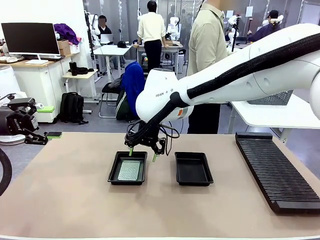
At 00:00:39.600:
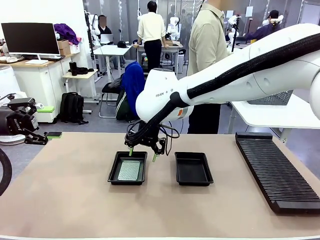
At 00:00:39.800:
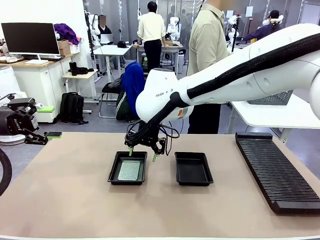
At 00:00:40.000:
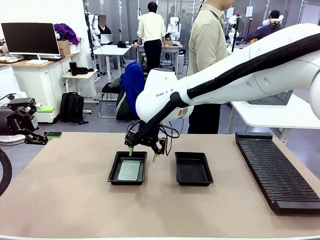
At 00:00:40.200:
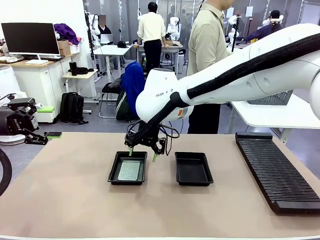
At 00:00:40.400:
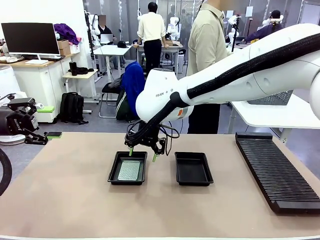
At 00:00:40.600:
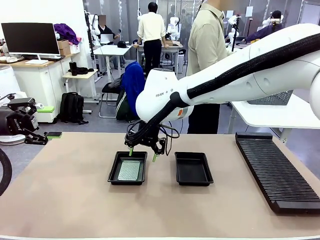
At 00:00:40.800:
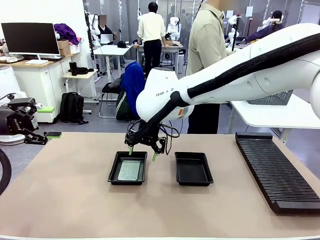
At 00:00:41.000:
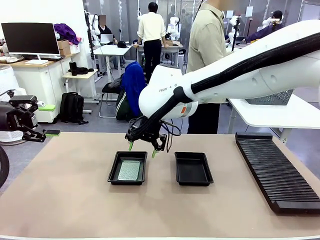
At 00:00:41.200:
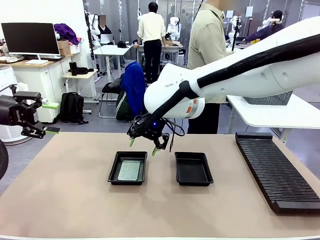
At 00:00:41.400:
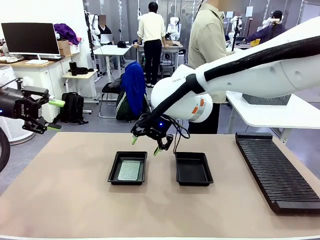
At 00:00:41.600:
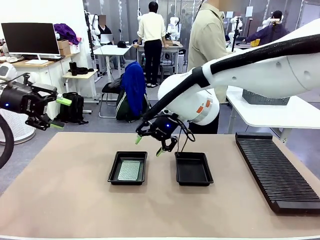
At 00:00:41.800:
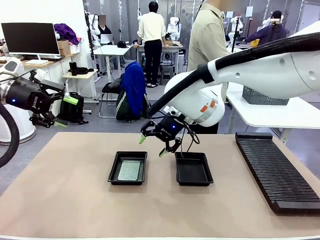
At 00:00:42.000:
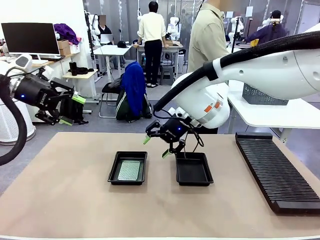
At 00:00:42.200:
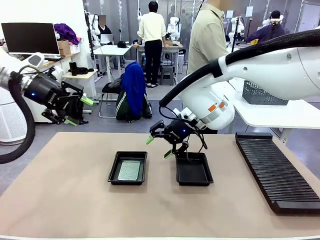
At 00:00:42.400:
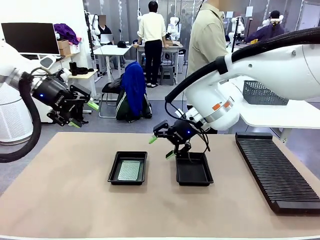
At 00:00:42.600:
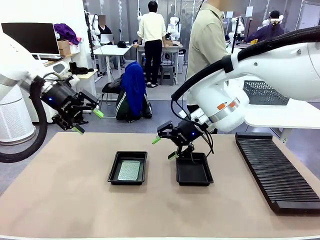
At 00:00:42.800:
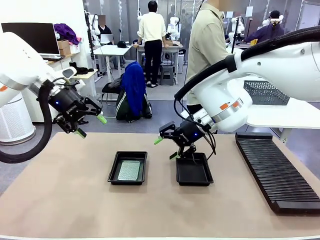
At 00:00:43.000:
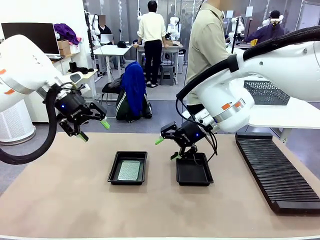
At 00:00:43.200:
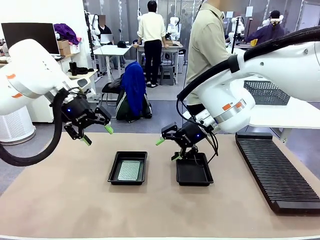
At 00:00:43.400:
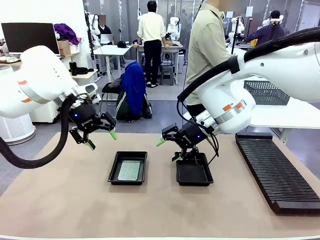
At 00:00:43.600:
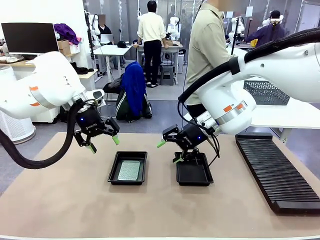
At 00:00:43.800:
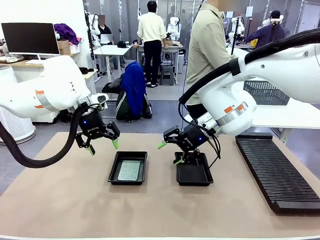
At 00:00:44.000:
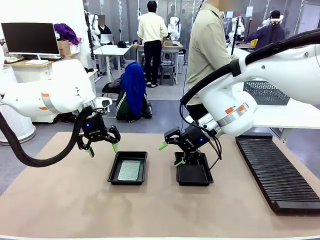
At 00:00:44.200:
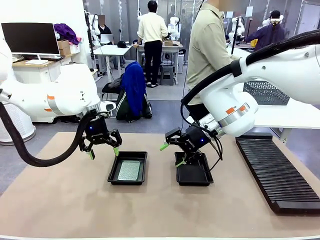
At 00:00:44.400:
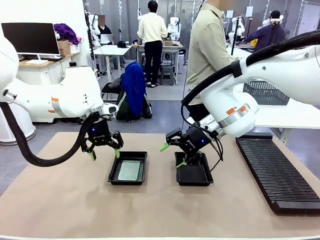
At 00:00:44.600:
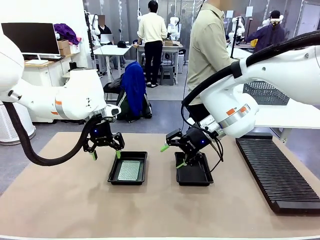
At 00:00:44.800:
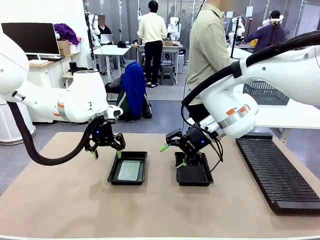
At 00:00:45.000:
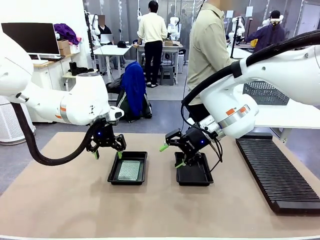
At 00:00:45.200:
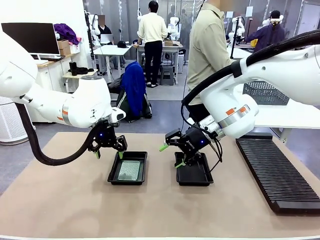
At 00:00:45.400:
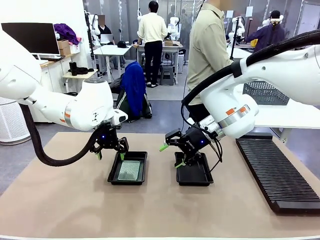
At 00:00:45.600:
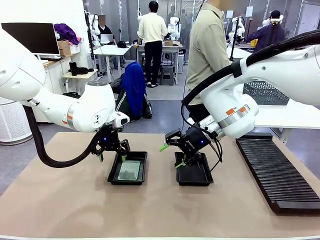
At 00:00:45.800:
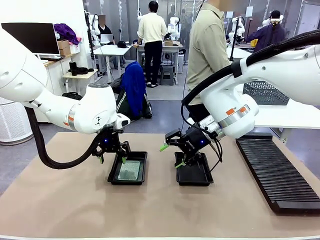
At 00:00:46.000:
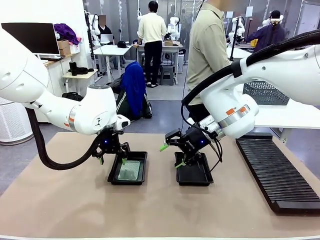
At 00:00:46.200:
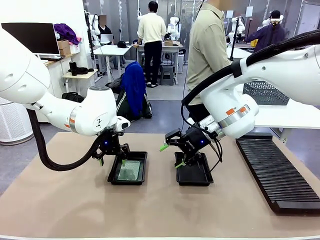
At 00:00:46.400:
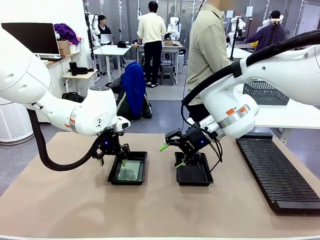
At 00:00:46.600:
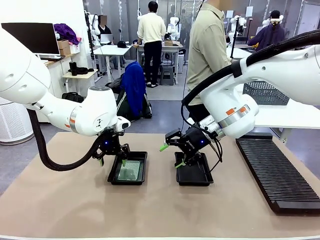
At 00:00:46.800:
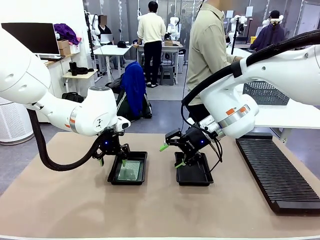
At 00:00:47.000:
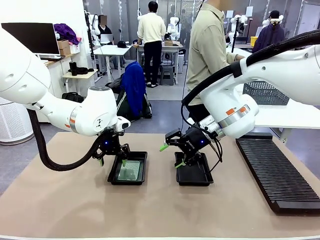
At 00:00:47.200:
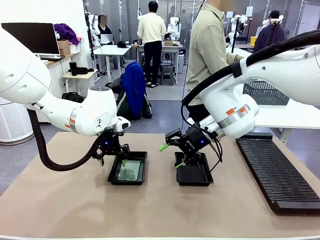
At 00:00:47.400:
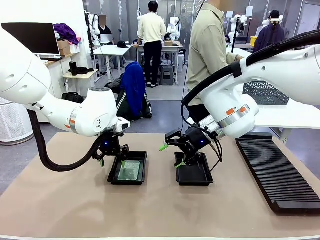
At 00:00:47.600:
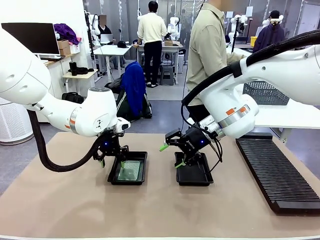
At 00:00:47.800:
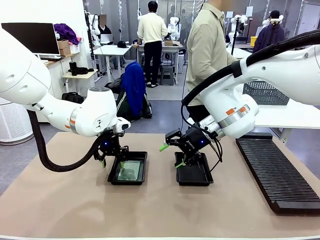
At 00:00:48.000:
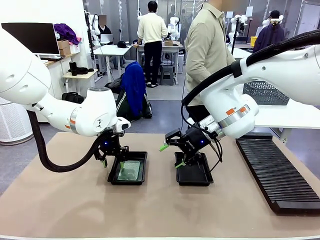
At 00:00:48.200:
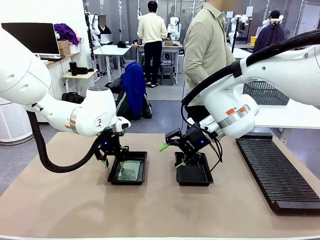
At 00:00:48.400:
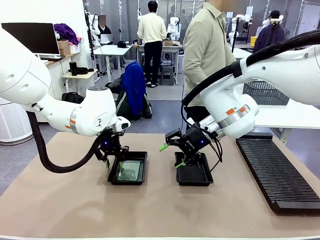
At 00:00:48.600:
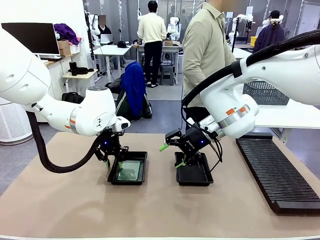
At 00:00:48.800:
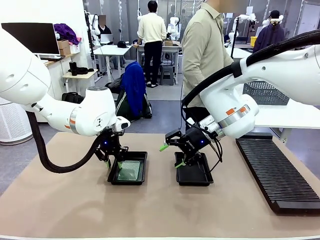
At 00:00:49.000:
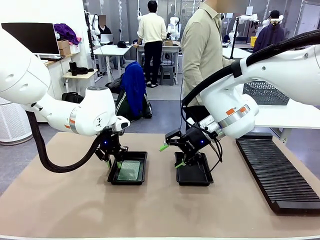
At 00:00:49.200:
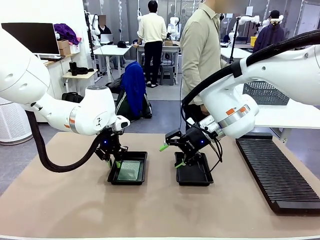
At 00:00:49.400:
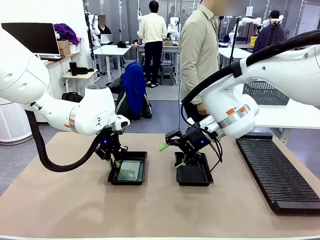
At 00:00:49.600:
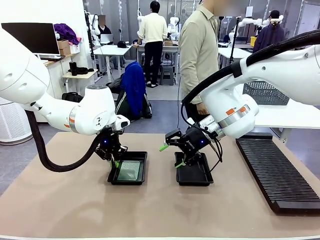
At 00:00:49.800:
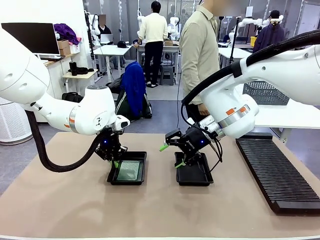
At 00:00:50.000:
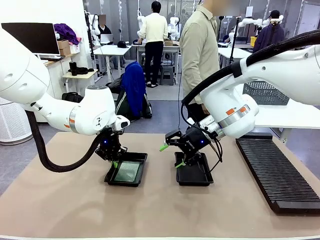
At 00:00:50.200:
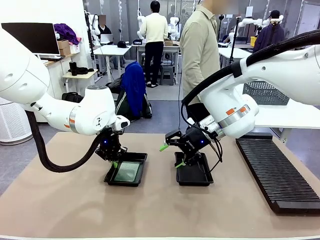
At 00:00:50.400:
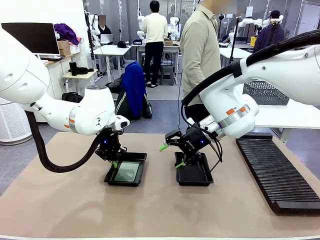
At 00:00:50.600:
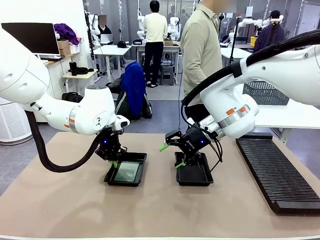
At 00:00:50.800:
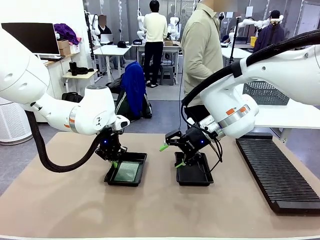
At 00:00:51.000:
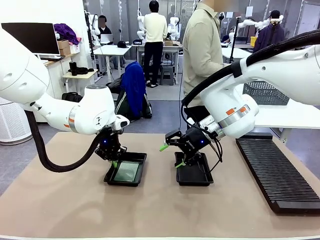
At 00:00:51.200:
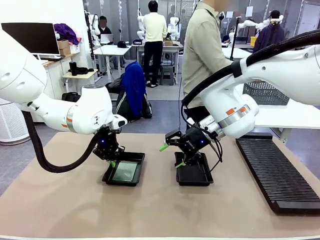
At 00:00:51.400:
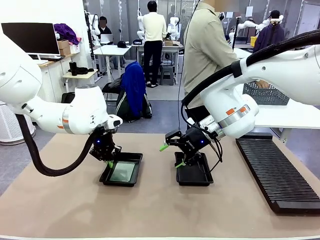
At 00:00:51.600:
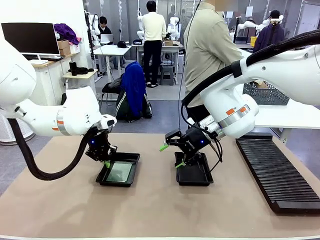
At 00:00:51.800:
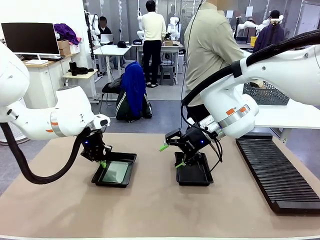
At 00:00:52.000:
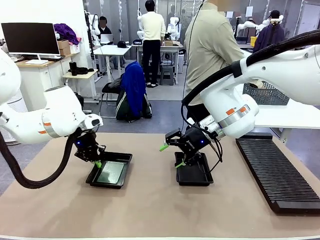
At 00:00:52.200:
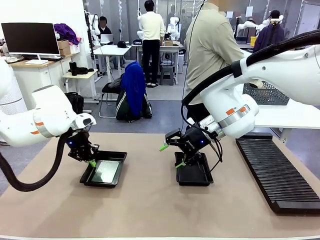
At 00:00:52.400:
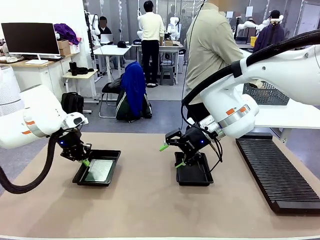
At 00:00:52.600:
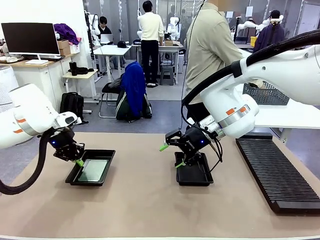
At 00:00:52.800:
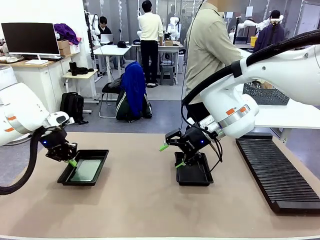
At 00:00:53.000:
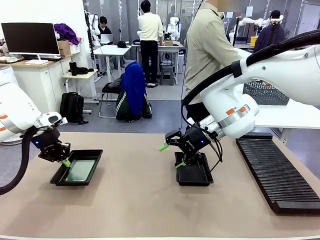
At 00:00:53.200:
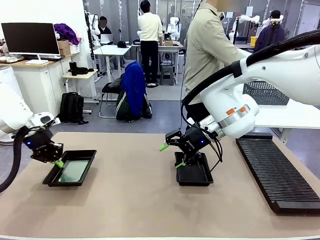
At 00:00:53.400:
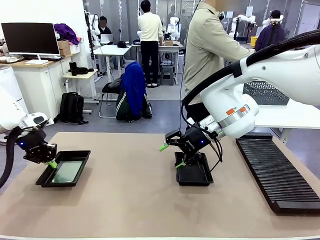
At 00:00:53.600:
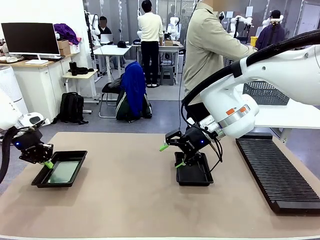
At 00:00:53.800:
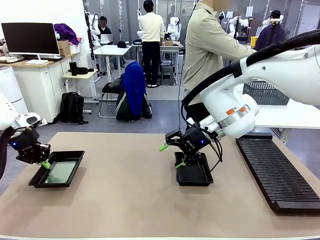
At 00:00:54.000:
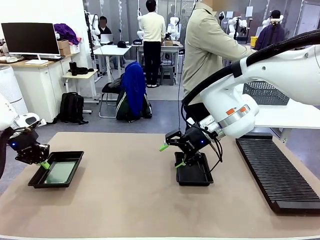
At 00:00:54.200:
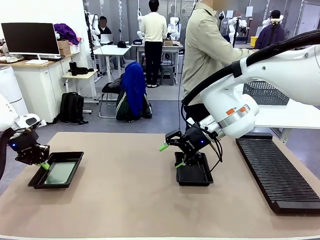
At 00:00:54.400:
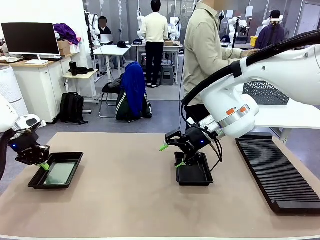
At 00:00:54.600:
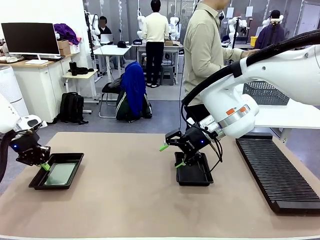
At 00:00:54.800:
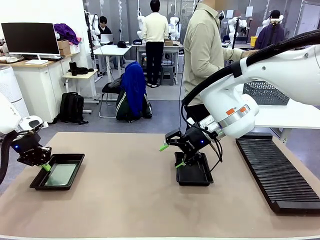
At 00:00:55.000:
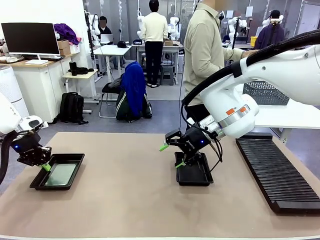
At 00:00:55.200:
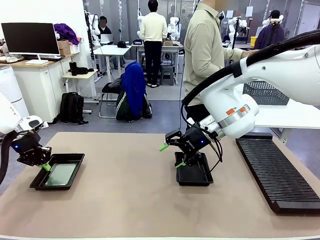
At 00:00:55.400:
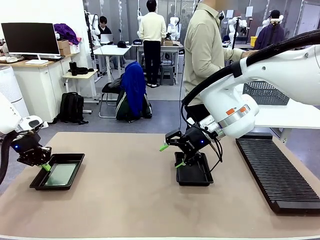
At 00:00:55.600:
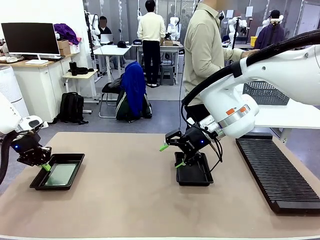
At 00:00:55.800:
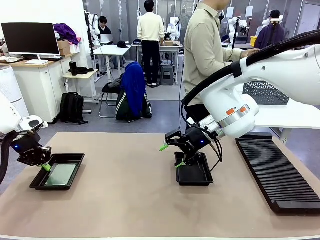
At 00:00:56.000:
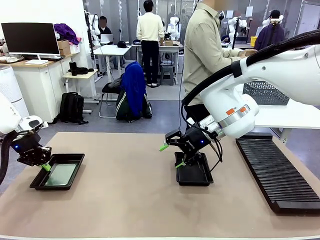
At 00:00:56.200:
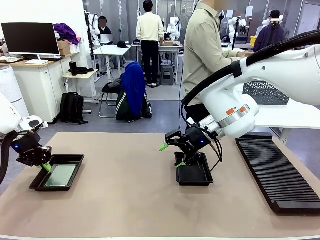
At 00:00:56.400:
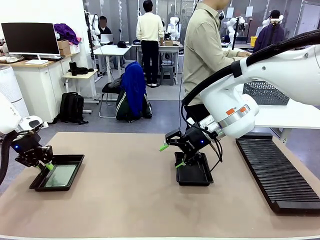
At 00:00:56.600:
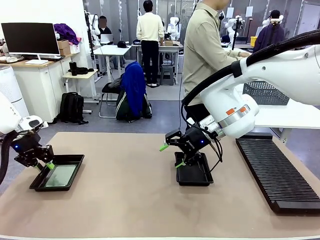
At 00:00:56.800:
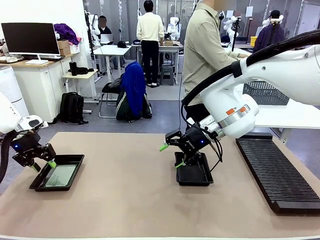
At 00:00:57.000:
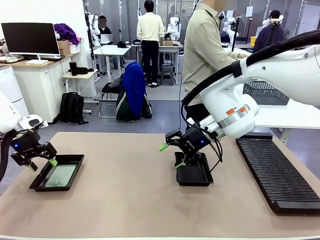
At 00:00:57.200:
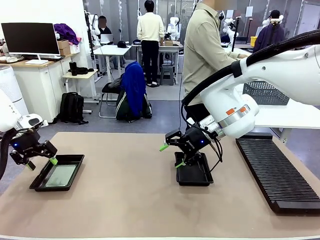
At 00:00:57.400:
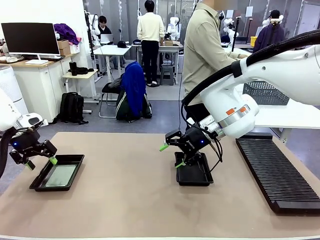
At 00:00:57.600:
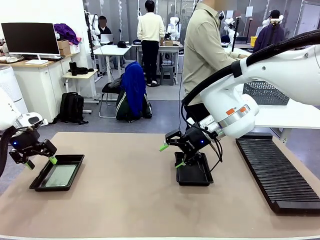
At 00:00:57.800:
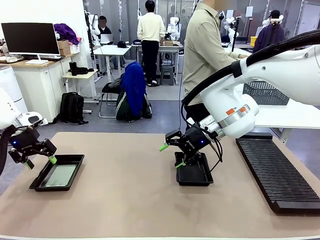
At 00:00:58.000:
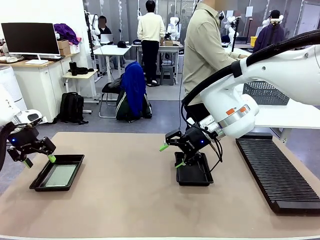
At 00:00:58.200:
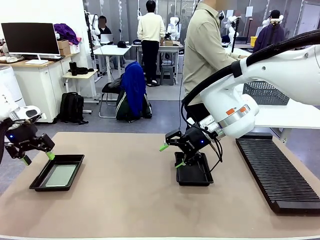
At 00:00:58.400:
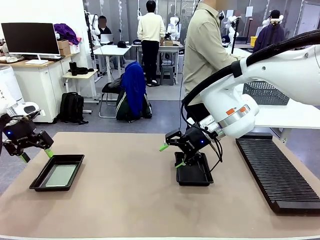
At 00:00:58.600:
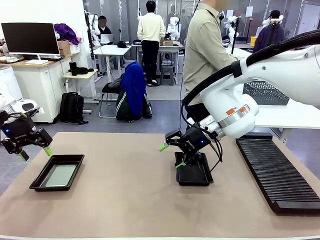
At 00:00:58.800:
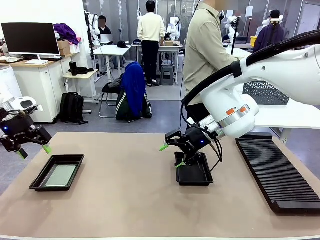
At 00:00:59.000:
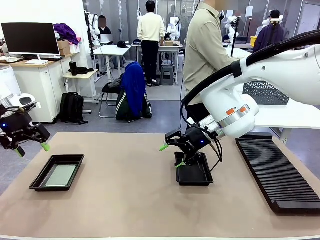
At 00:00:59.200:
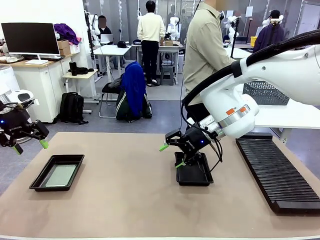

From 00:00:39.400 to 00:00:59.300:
Task: Inspect and transfer BCBs to ESD trays.
Robot: Pick up the ESD tray and place it on the left side of the table.
